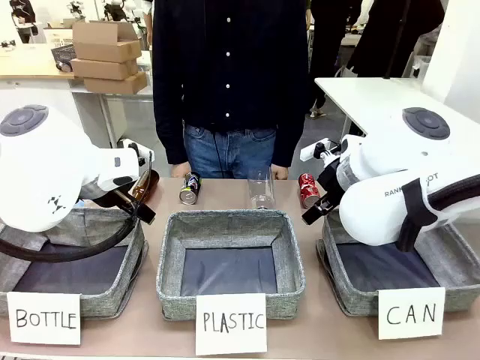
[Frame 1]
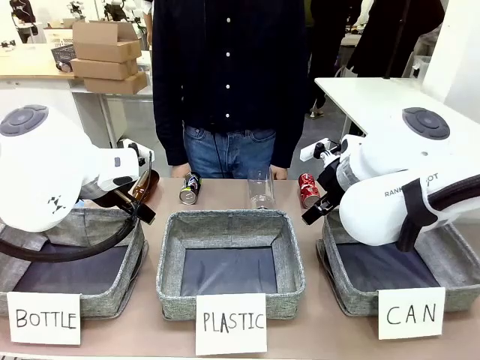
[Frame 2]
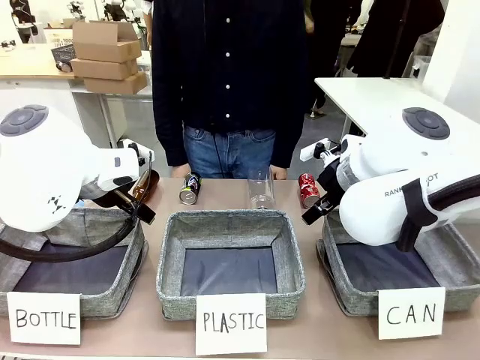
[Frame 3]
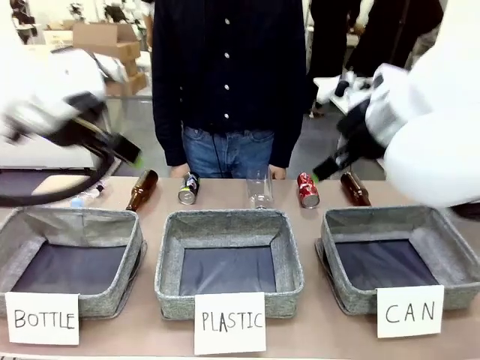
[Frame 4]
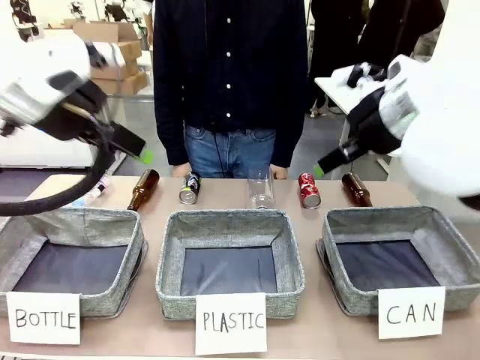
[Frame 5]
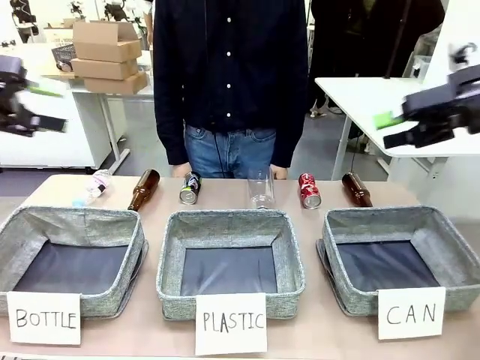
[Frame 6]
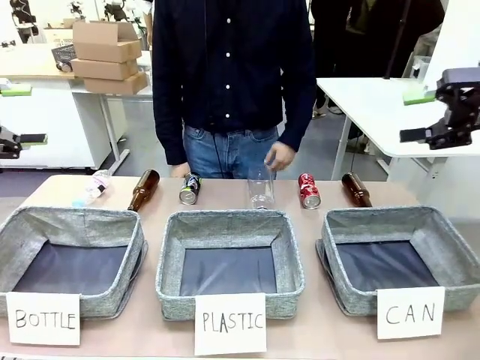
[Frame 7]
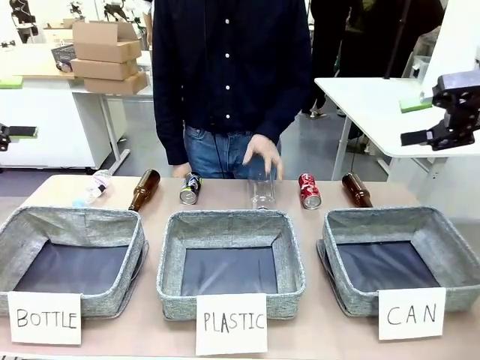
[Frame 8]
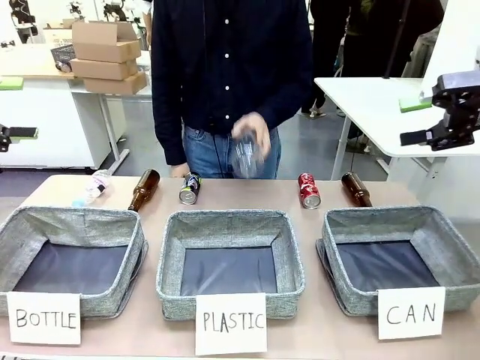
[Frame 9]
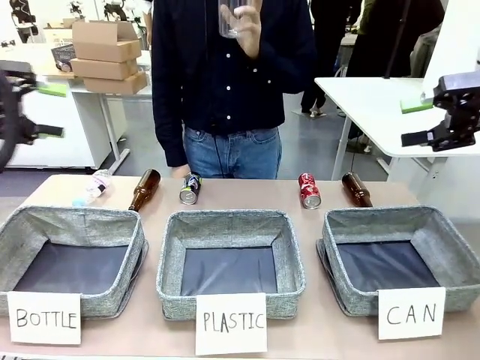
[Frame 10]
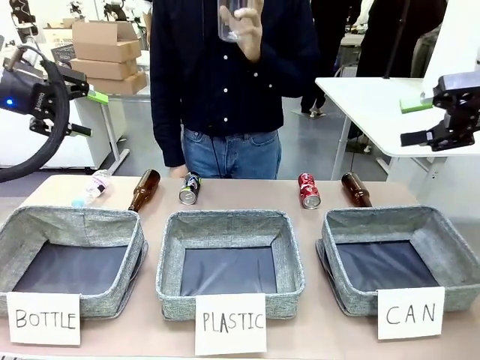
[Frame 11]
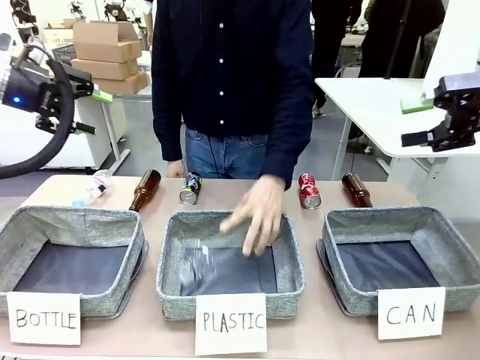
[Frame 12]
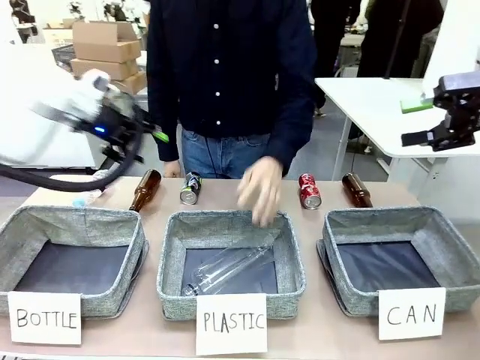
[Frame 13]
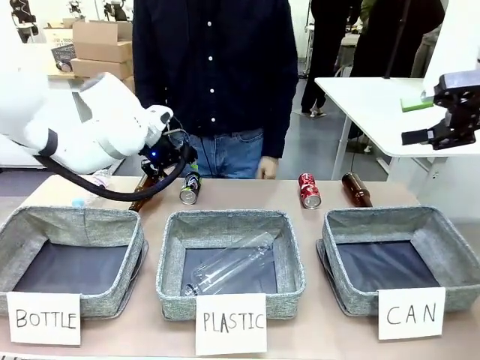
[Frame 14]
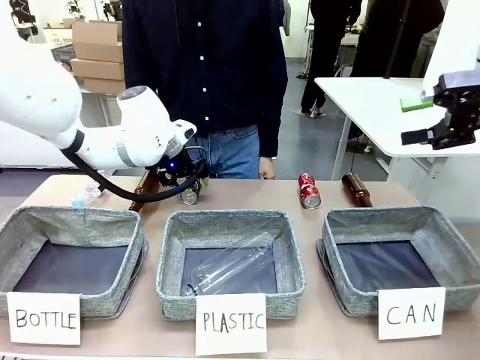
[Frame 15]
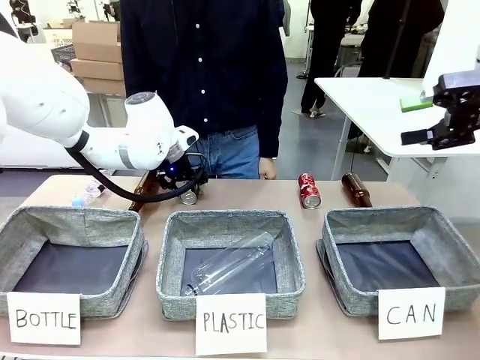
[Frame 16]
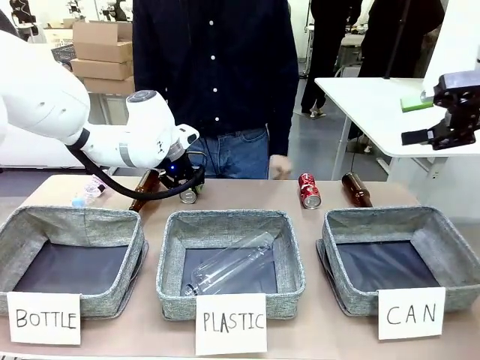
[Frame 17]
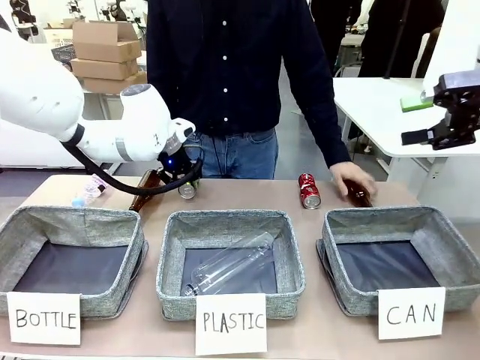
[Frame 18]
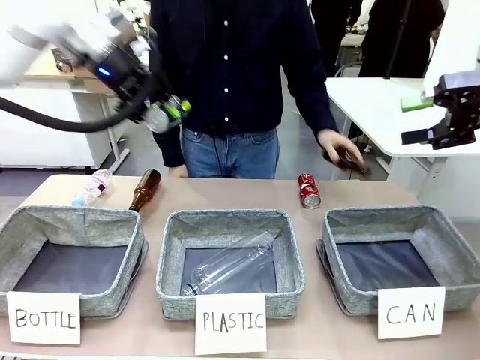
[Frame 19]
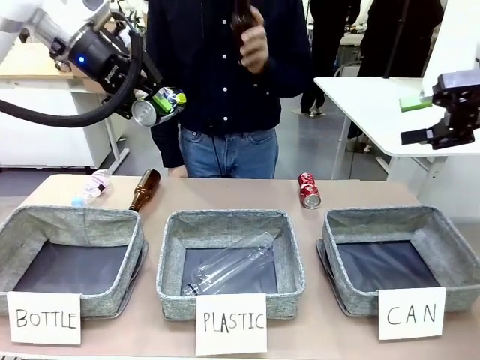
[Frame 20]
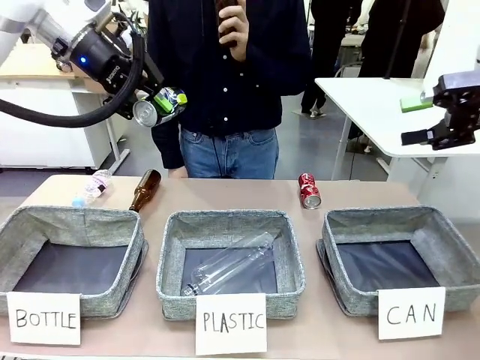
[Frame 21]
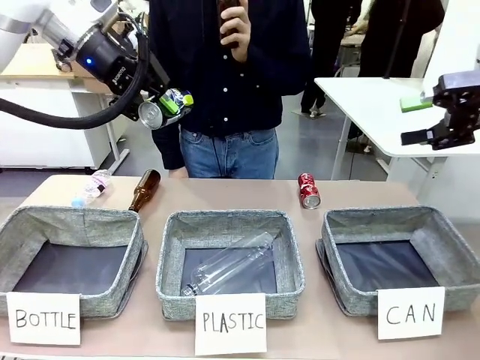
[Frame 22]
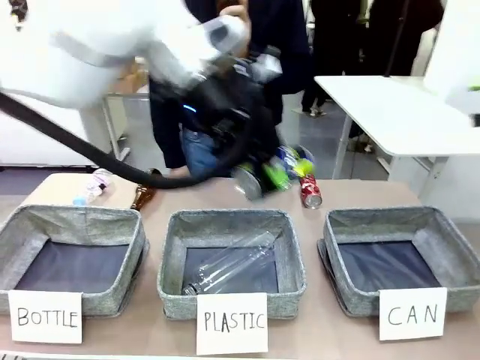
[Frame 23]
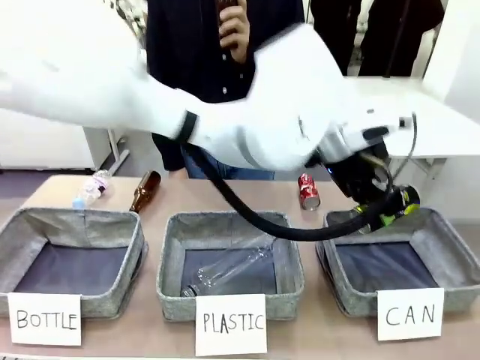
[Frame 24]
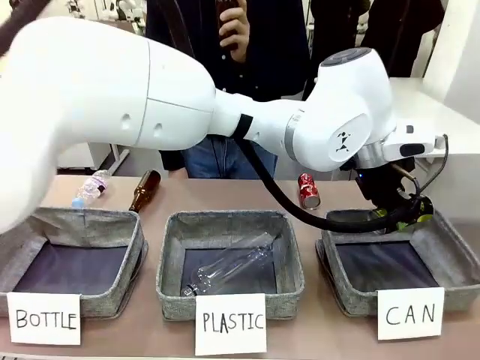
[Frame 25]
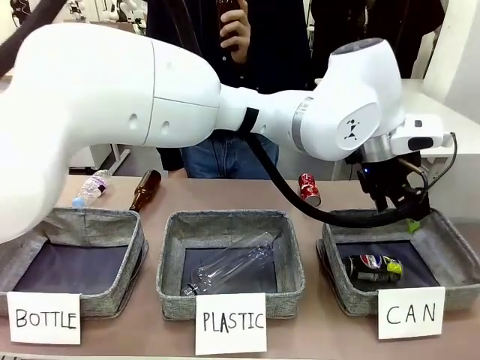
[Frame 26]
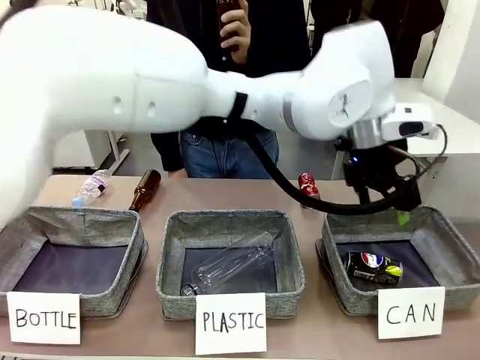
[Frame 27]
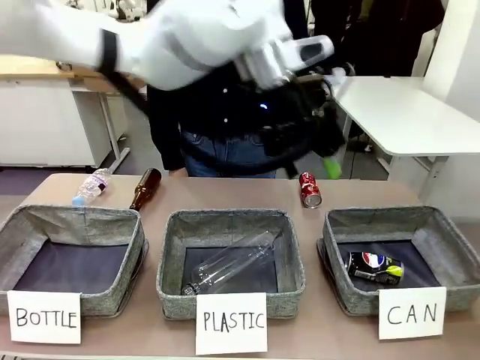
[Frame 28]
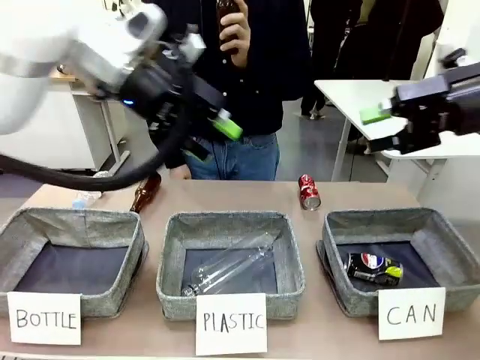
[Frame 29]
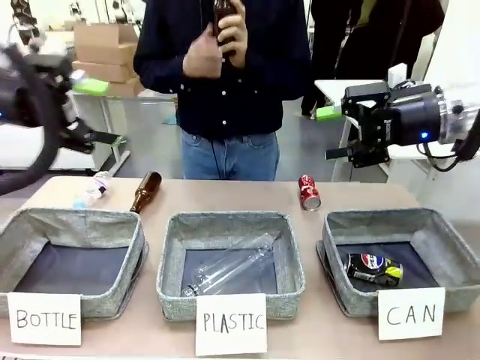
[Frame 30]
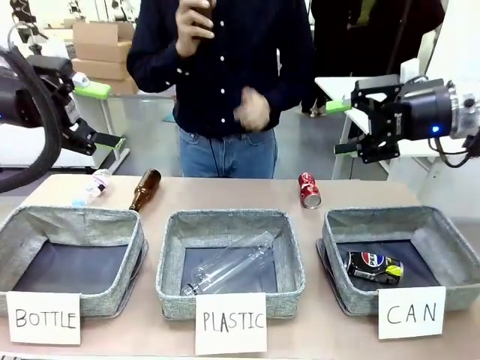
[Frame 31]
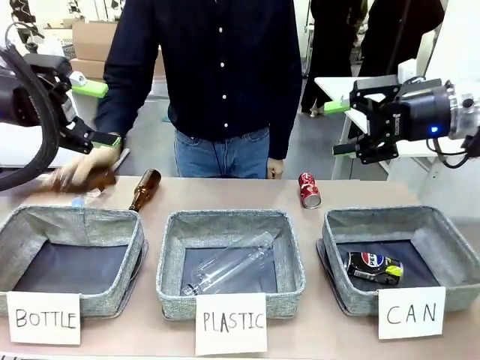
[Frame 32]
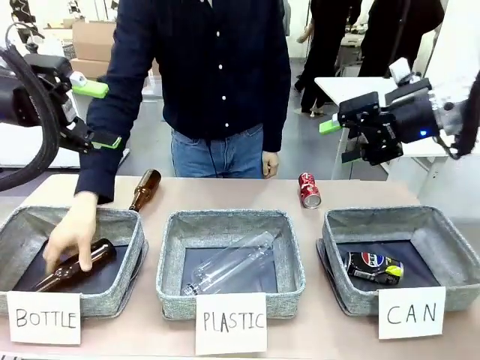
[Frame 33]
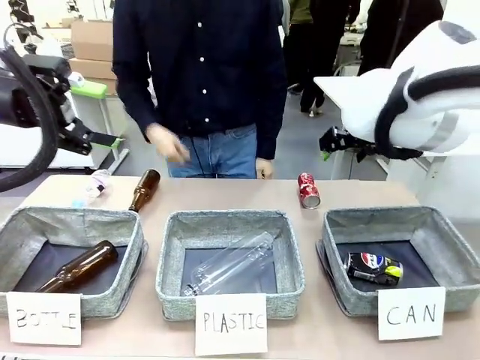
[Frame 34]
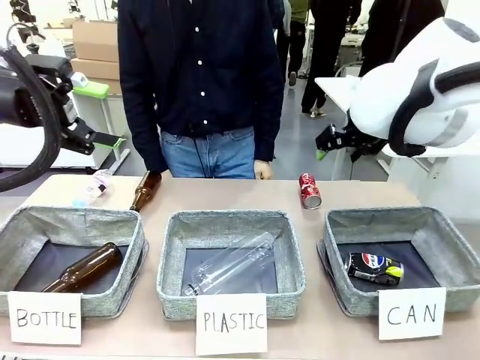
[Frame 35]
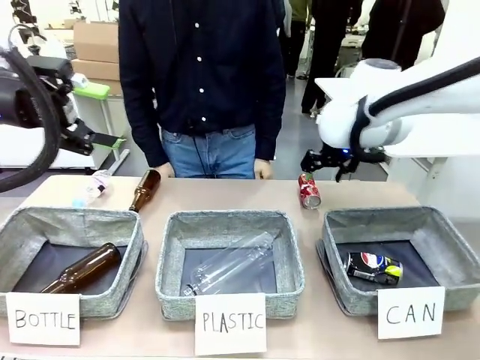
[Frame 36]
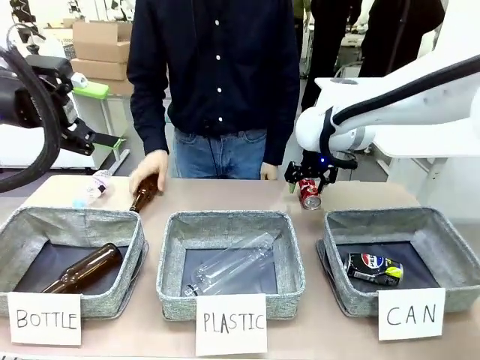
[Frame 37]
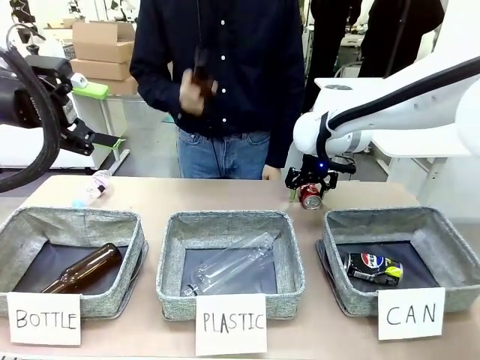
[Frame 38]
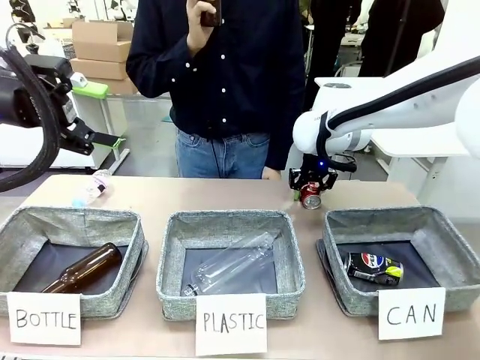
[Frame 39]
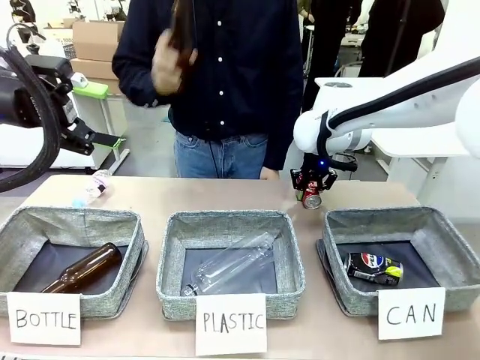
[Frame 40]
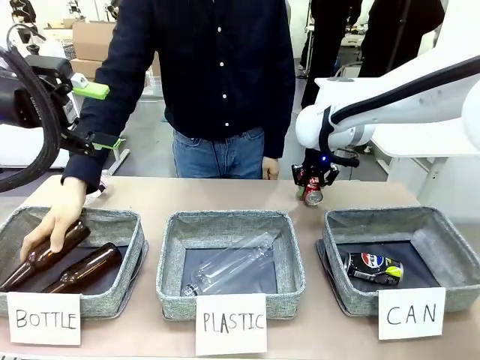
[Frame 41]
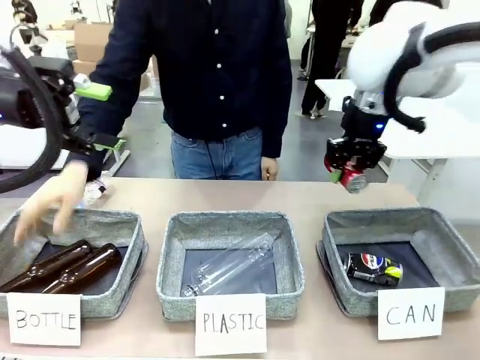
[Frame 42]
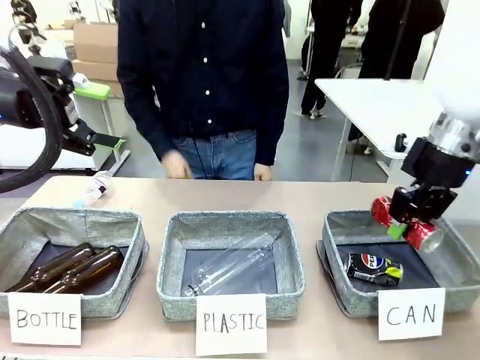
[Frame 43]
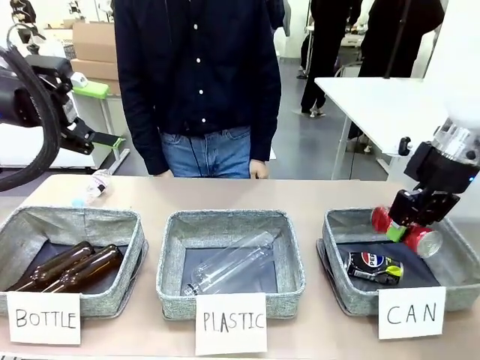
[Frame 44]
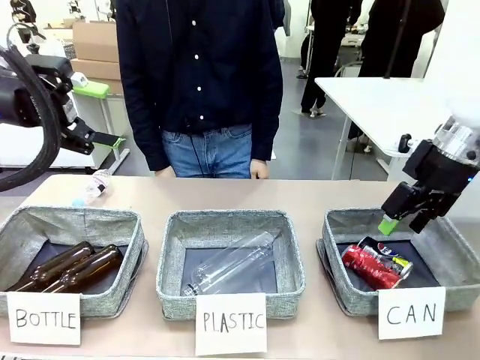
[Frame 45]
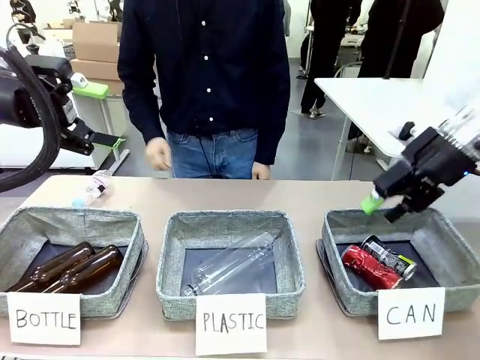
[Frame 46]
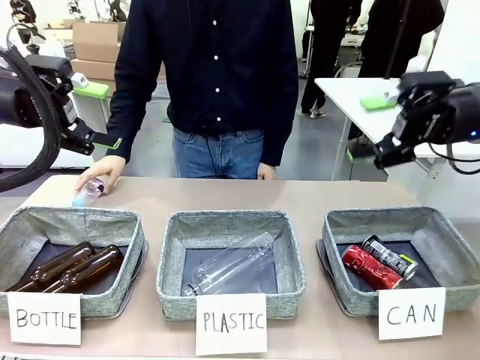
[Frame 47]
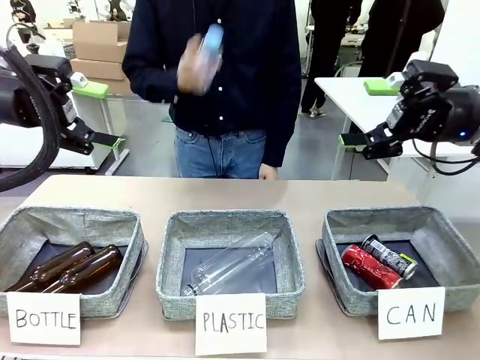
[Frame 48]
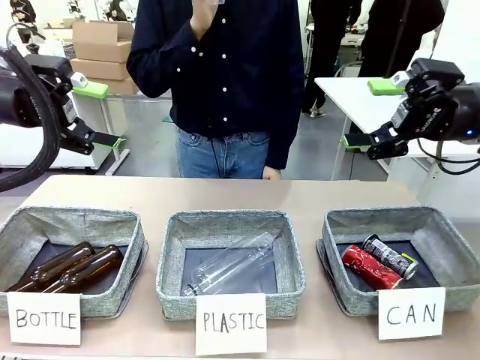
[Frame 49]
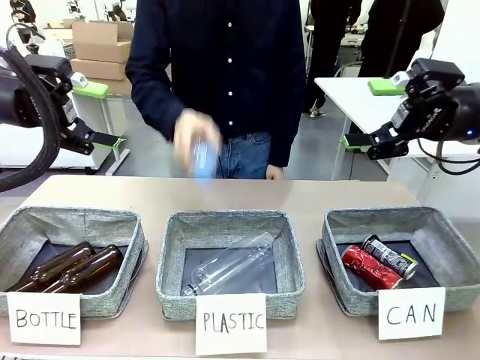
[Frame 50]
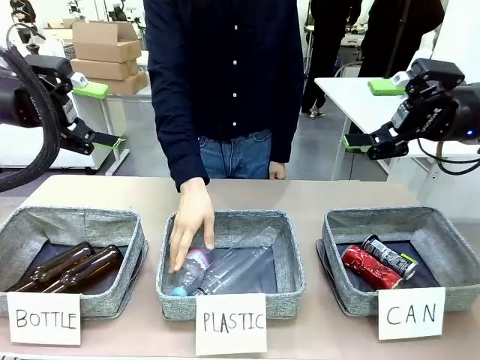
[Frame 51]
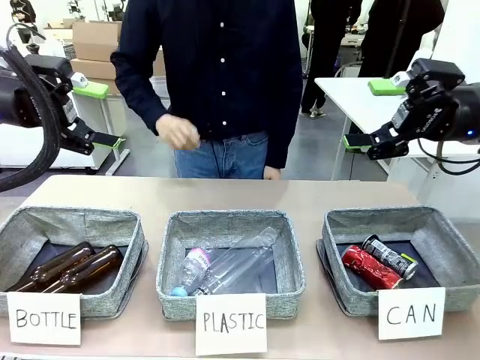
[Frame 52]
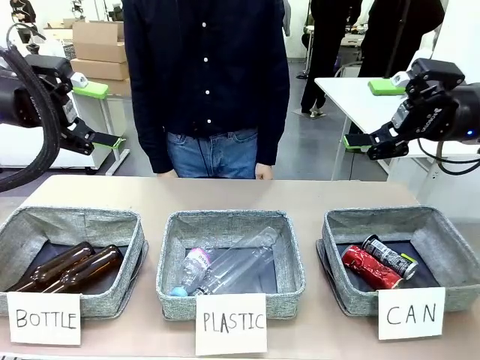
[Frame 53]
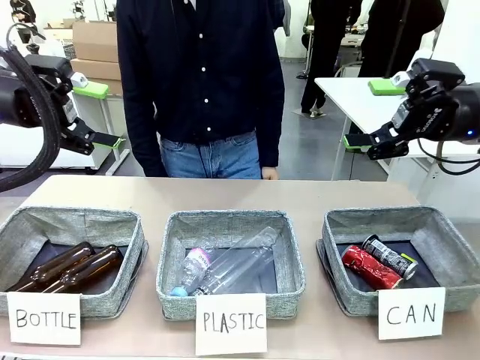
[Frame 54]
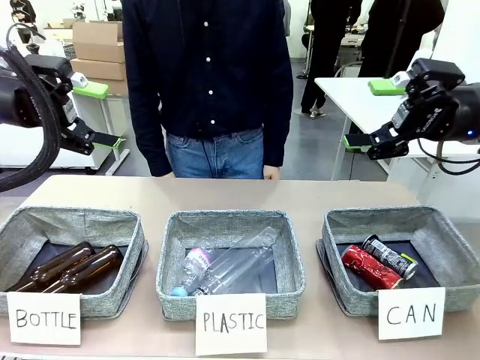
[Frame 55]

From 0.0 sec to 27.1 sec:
Task: Sort the can waste into the basket.
Robot: Pick up the can waste from the table and place it in the right Fabric basket.
Person: The human picks up one piece of trash that is not a can and places the trash into the appropriate organizing basket.
